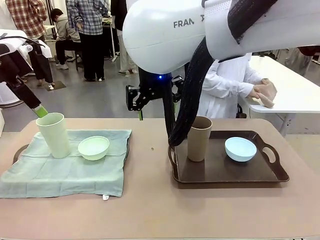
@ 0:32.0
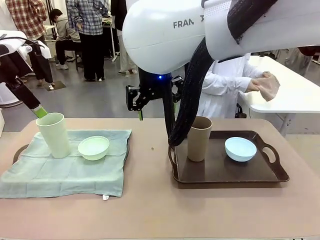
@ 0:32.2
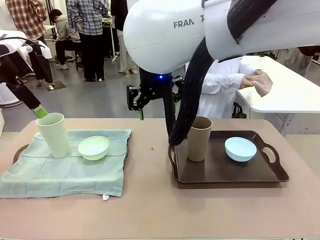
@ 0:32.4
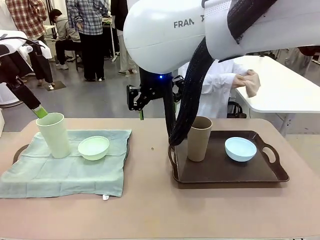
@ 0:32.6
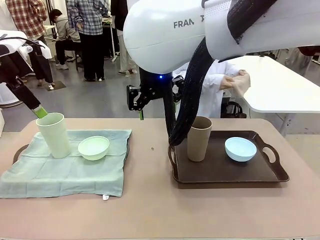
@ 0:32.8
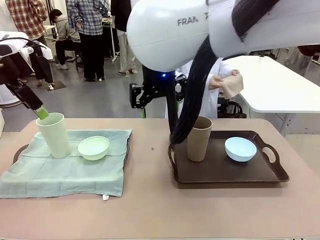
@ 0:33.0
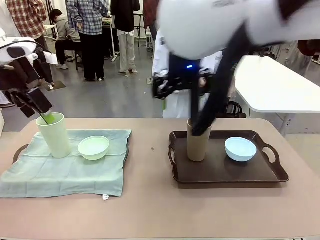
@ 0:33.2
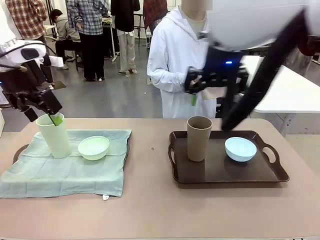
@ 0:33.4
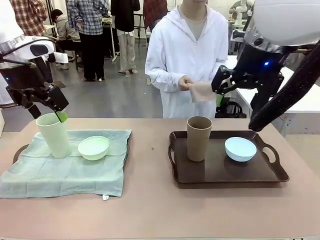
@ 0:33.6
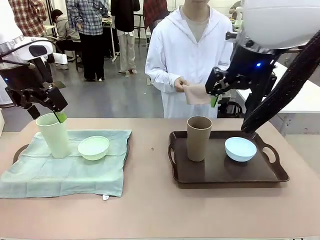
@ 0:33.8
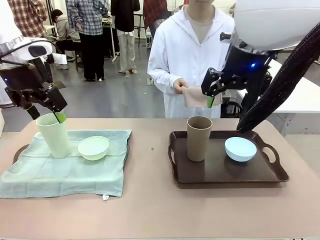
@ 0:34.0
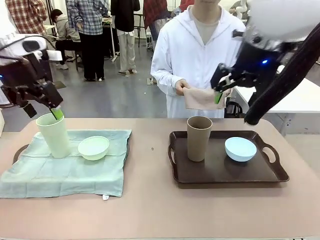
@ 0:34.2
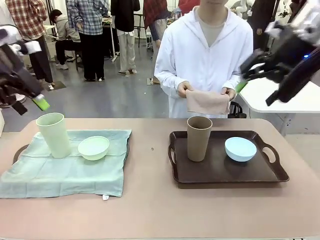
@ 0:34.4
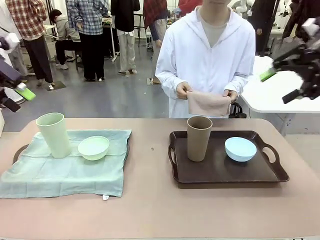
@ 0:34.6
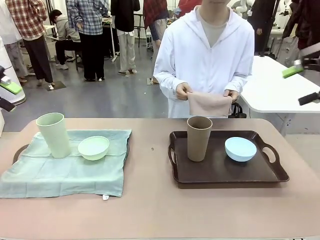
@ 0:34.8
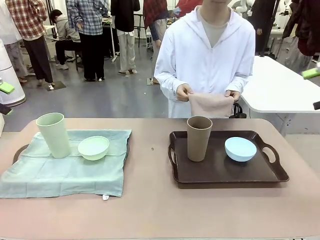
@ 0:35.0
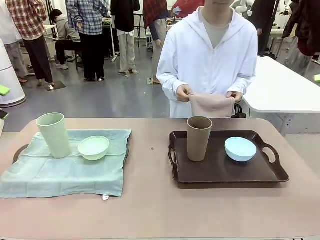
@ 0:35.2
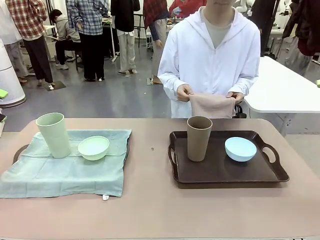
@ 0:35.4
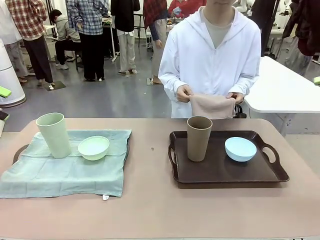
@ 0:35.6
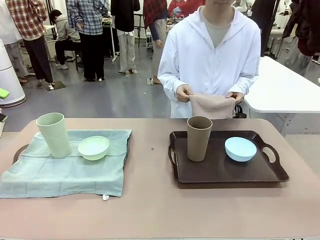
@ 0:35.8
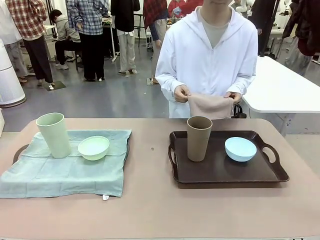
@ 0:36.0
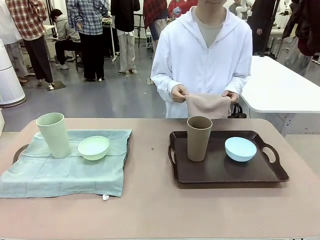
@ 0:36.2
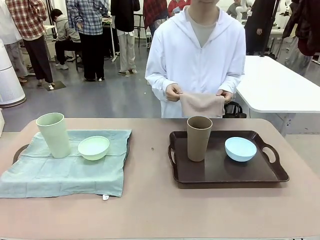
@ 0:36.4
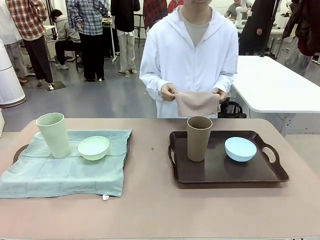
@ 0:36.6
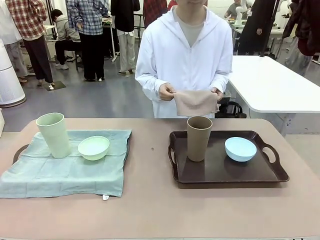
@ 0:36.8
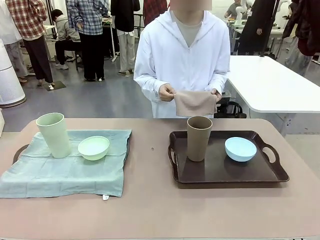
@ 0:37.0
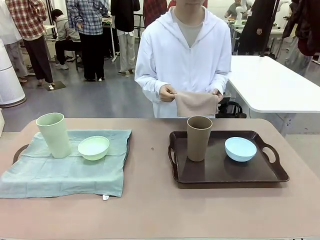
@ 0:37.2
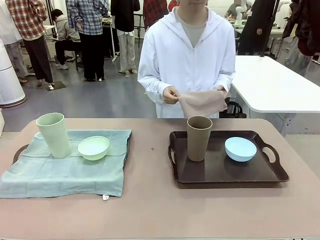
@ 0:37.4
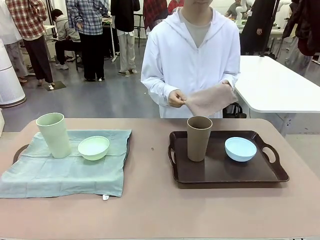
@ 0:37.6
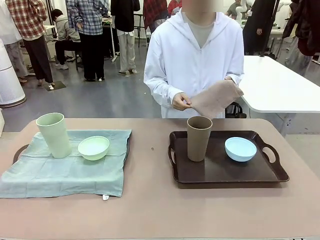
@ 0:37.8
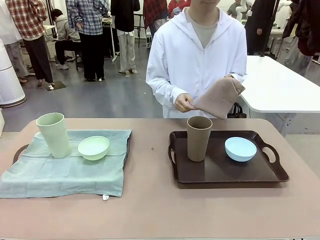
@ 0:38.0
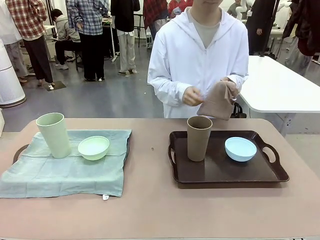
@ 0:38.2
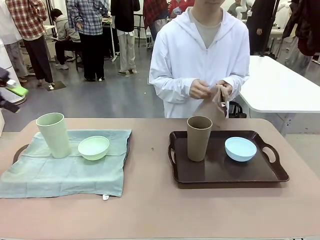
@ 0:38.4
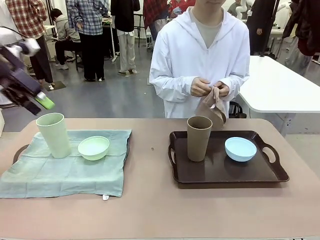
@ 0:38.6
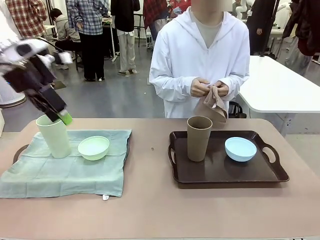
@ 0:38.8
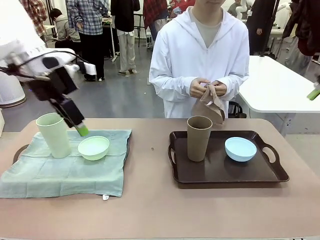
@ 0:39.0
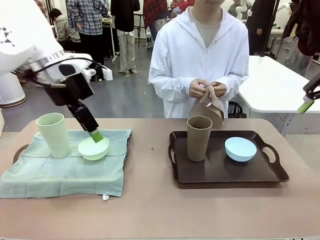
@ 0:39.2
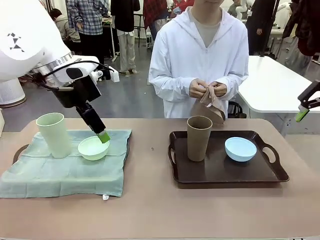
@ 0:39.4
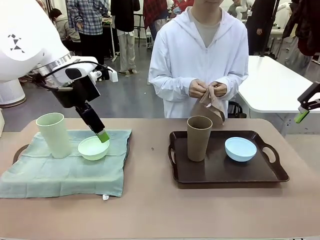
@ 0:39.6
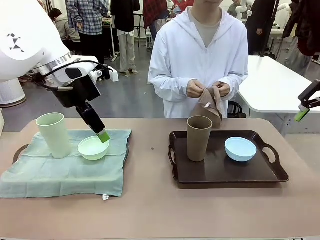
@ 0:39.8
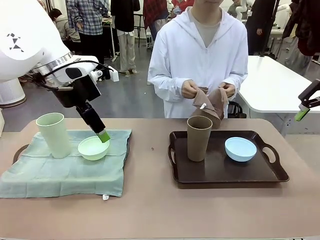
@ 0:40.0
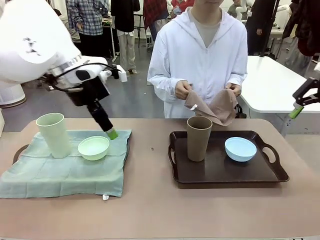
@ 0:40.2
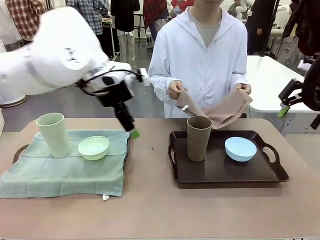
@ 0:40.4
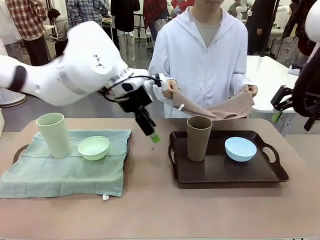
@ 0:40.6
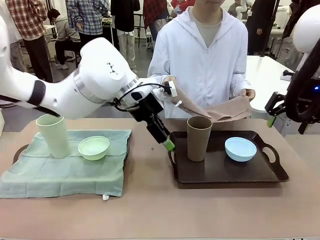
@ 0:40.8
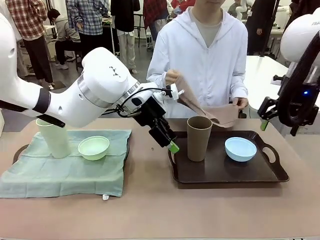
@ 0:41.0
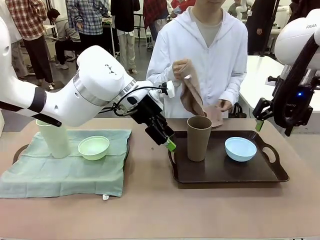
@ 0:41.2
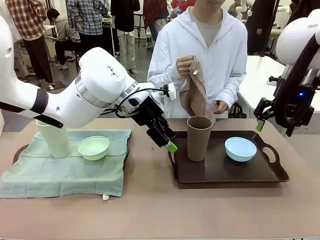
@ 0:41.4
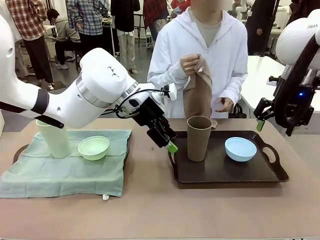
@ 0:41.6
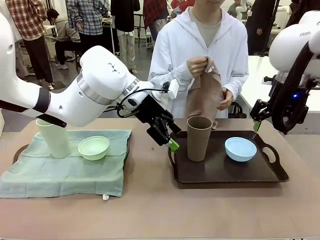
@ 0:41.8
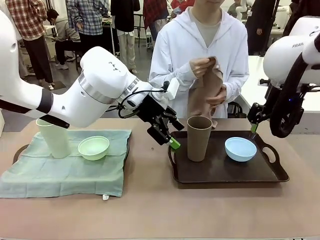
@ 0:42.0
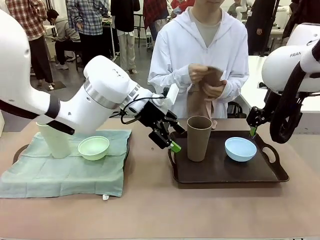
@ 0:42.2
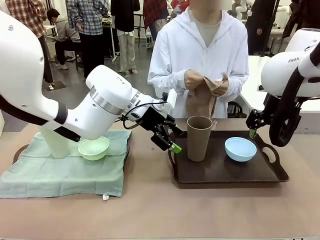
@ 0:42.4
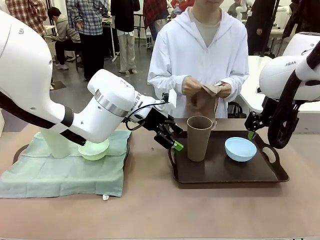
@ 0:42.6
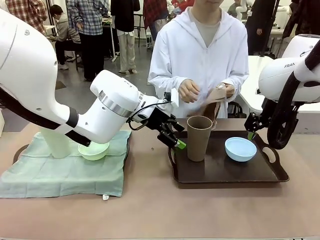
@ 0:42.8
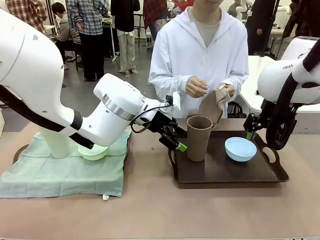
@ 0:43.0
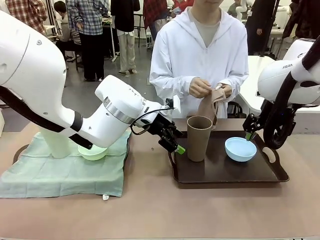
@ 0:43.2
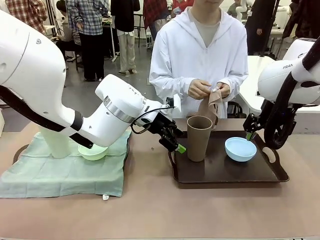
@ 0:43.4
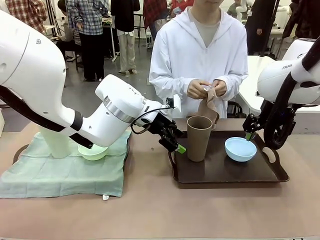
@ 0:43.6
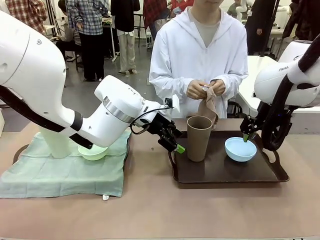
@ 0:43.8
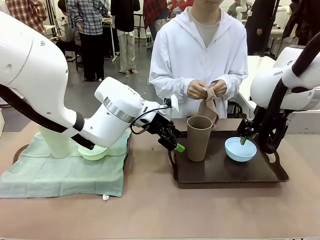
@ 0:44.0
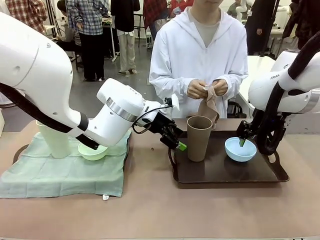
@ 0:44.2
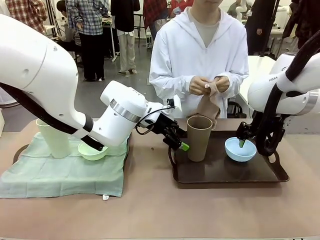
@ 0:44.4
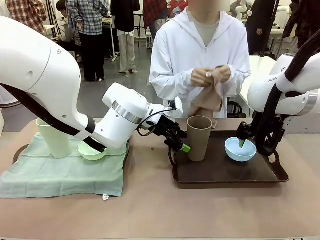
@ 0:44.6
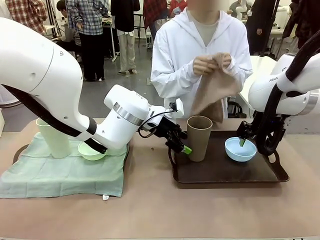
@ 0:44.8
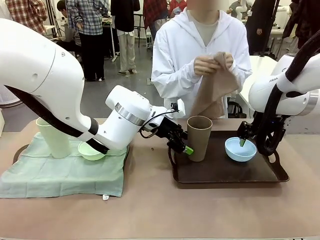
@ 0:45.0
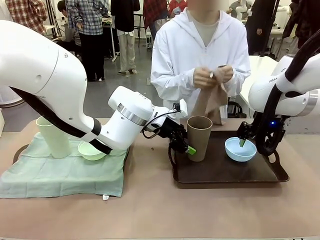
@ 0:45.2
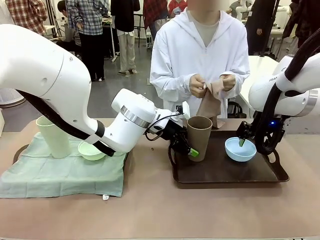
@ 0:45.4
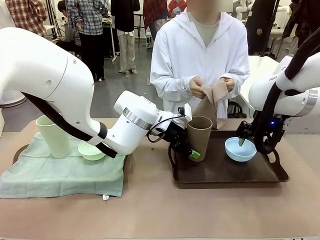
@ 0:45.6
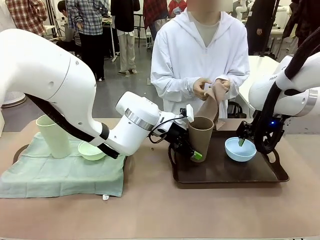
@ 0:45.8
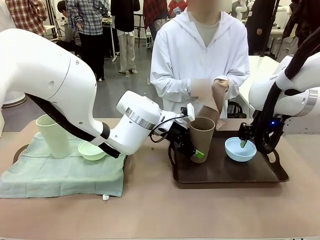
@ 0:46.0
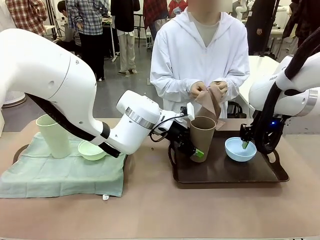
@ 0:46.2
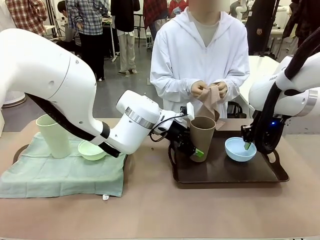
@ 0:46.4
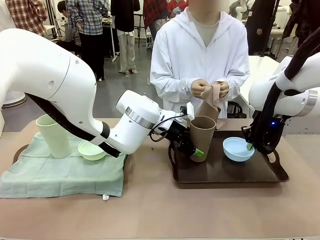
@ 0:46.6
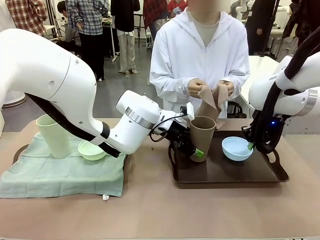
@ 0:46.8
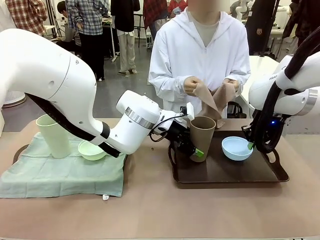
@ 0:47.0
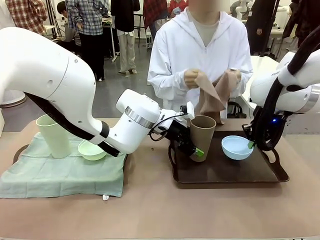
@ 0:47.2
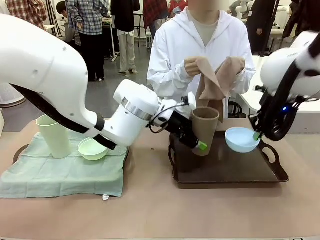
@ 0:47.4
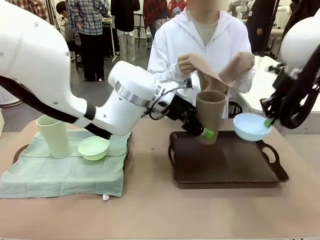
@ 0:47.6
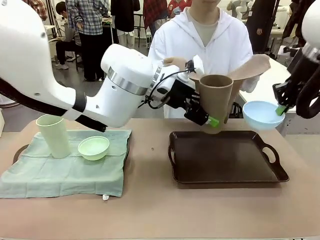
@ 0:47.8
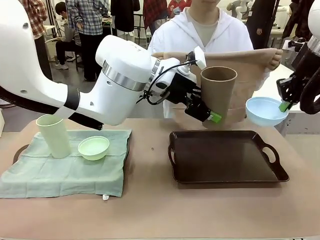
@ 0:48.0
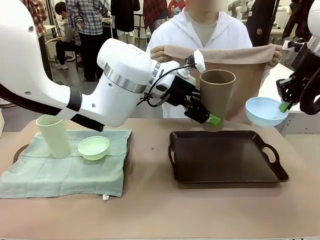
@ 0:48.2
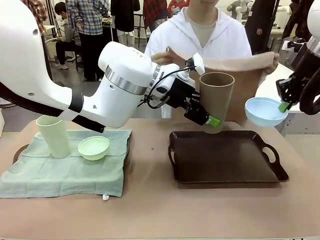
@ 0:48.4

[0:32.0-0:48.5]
Robot: Pick up the Picnic Bowl and Reusable plastic cup from the Handle tray in front of the human's position and hold them in the air.

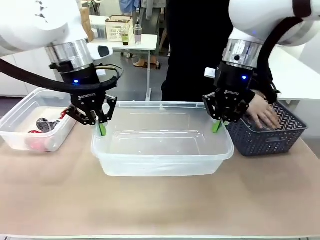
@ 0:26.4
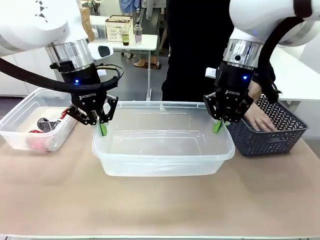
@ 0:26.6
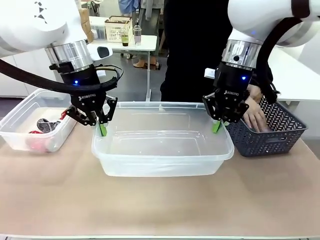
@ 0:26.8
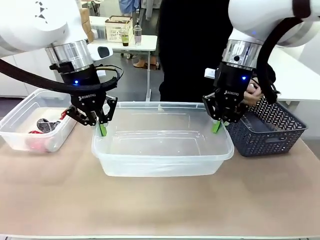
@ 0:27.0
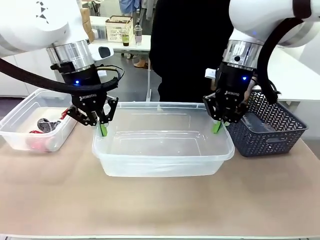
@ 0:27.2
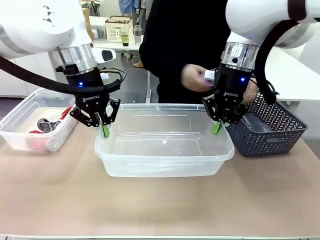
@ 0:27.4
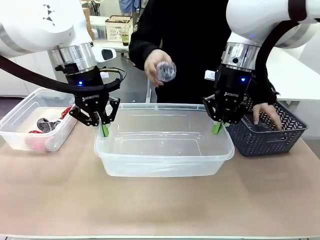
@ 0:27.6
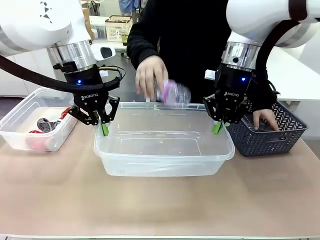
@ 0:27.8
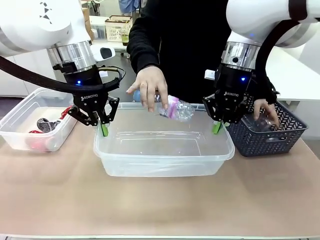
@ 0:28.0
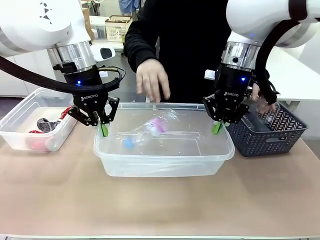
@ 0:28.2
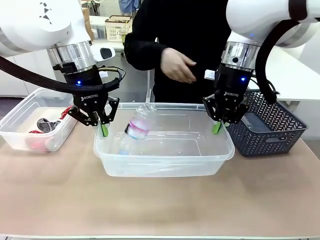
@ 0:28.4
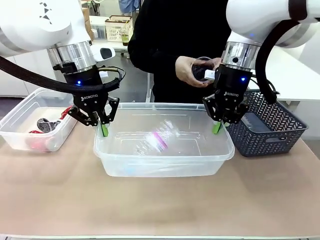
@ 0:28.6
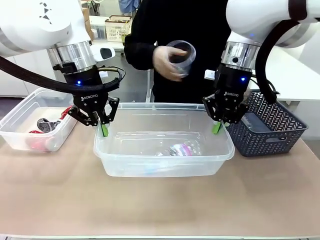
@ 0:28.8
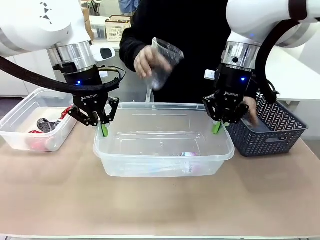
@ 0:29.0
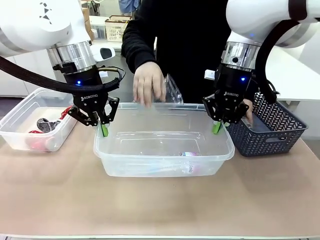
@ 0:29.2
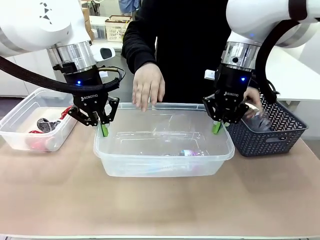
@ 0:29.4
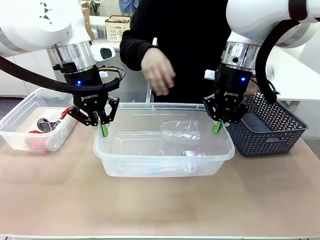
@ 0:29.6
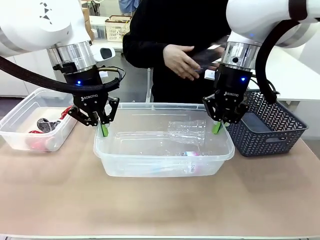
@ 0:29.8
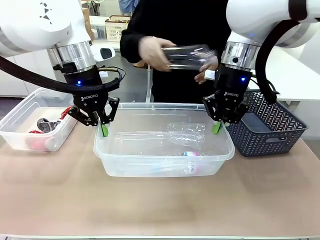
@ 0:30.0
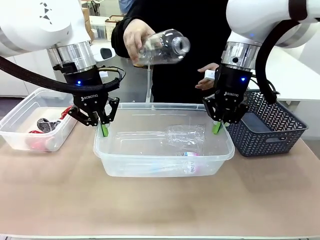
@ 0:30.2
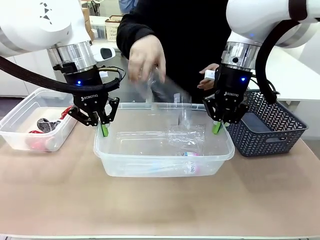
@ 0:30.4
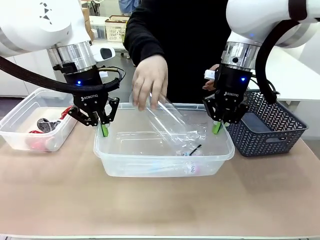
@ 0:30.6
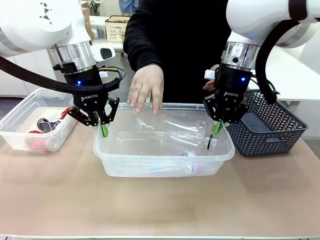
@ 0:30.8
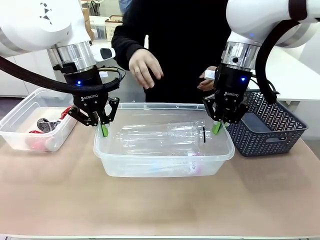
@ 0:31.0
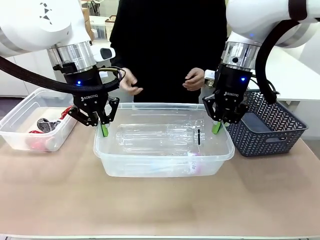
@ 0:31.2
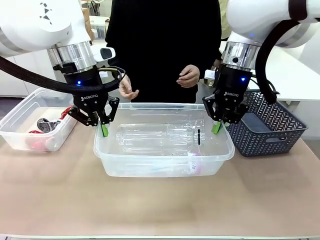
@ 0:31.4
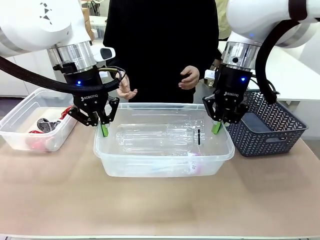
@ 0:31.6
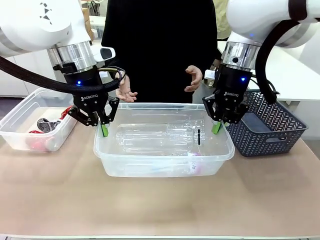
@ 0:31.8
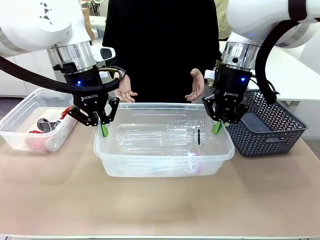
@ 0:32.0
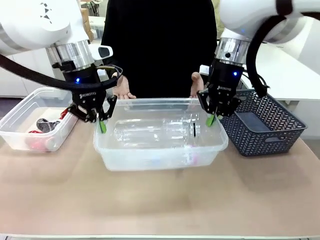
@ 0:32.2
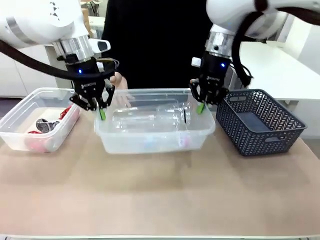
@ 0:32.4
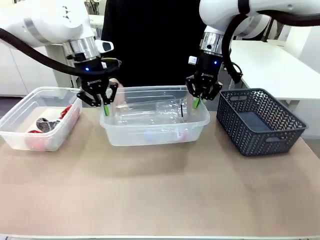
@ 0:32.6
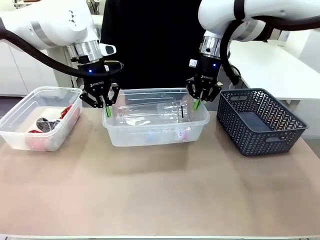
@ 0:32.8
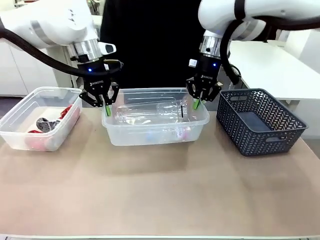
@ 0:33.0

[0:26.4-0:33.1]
Robot: Offer the picked Organizing box to the human.
Person: Pick up plastic waste one by one and place it into the organizing box lifted by the robot.
